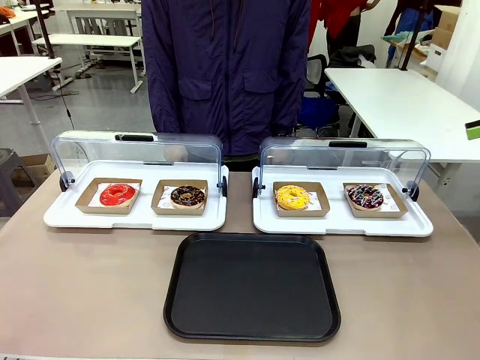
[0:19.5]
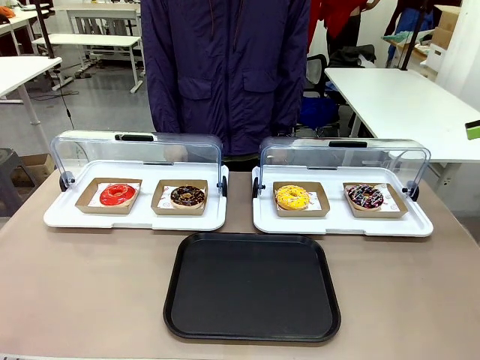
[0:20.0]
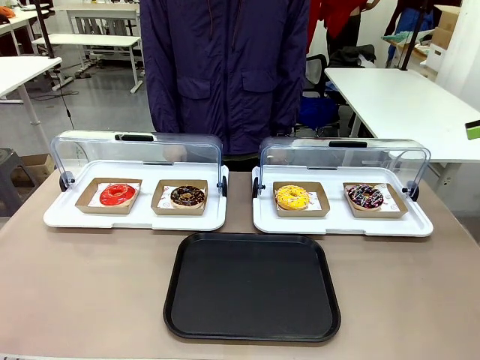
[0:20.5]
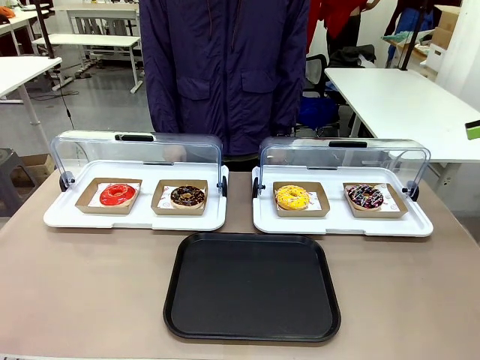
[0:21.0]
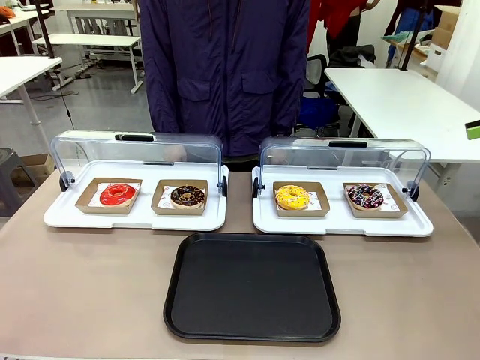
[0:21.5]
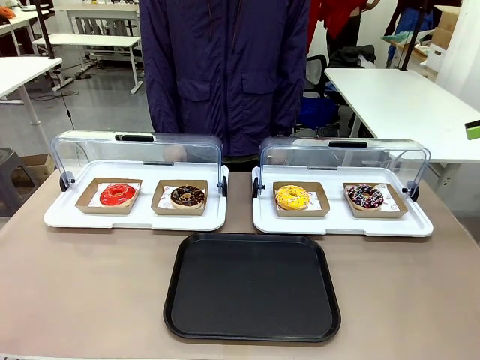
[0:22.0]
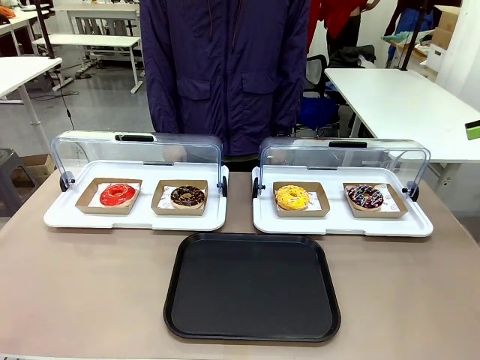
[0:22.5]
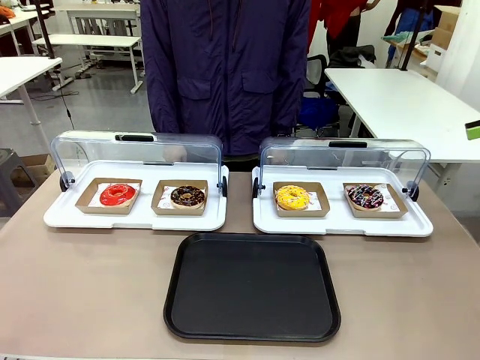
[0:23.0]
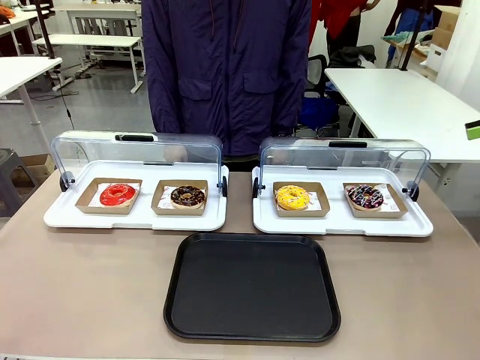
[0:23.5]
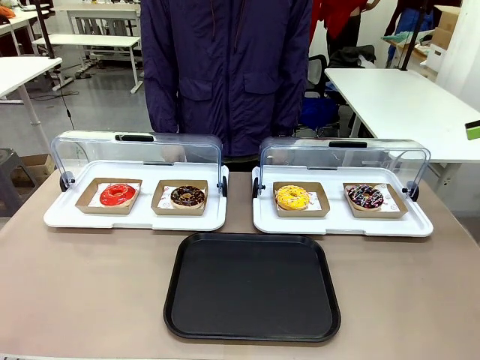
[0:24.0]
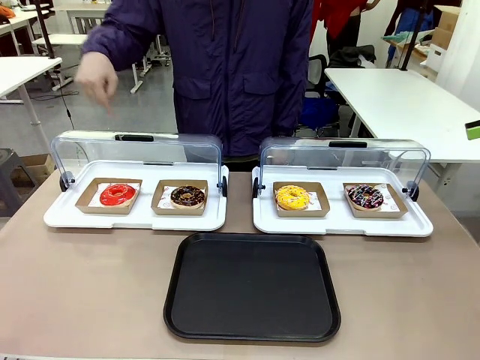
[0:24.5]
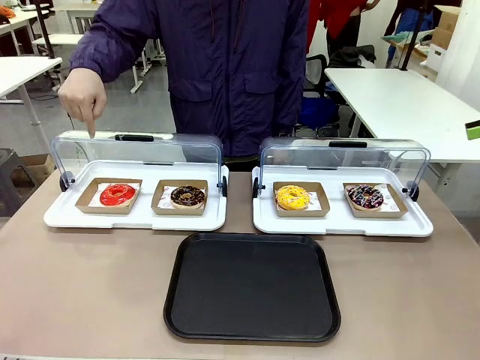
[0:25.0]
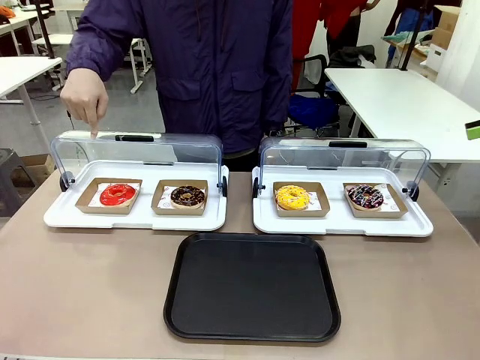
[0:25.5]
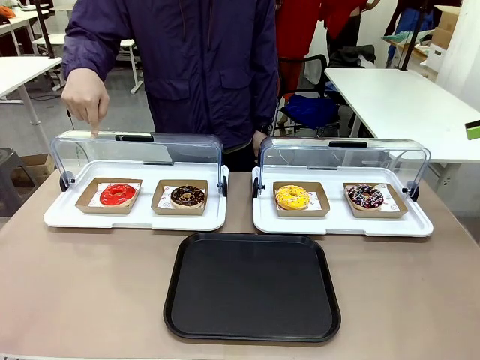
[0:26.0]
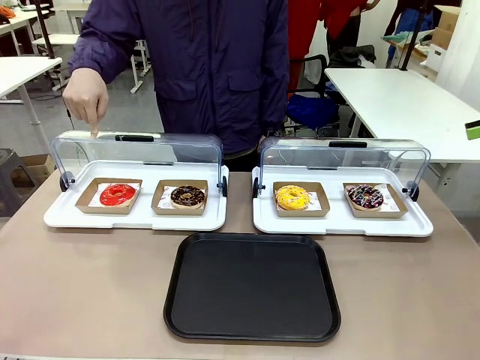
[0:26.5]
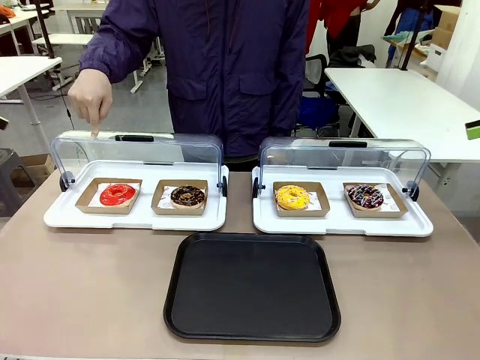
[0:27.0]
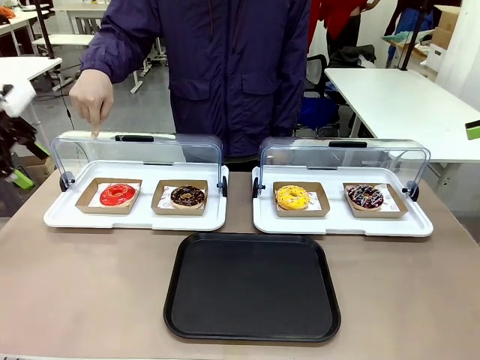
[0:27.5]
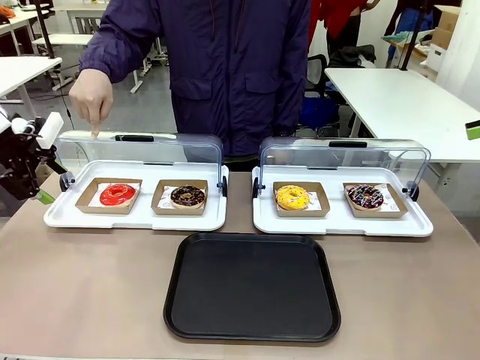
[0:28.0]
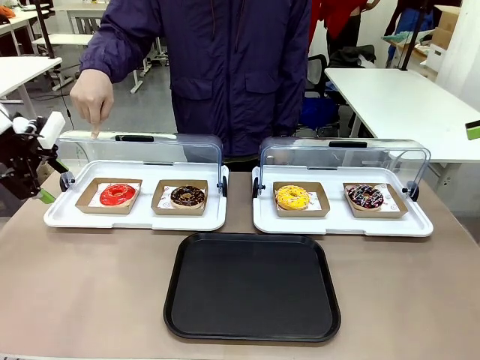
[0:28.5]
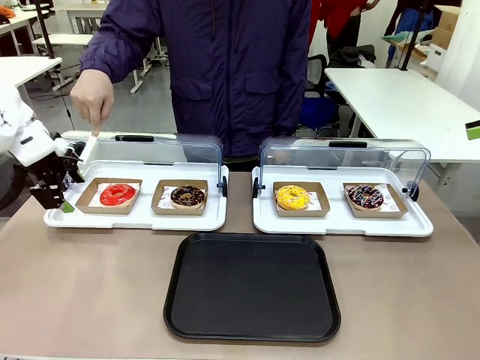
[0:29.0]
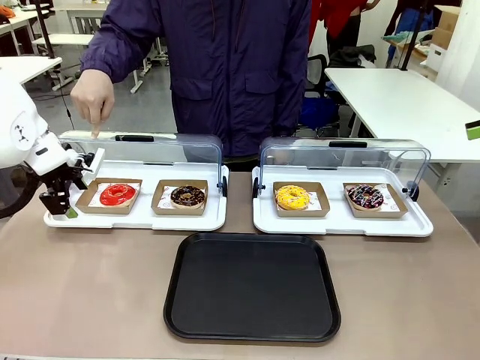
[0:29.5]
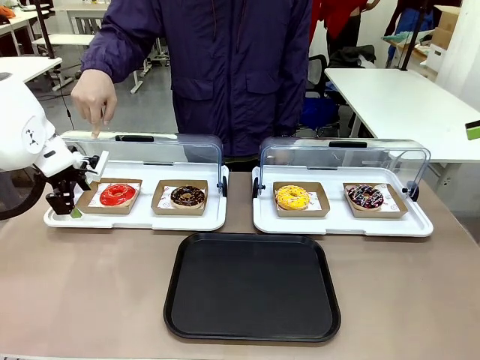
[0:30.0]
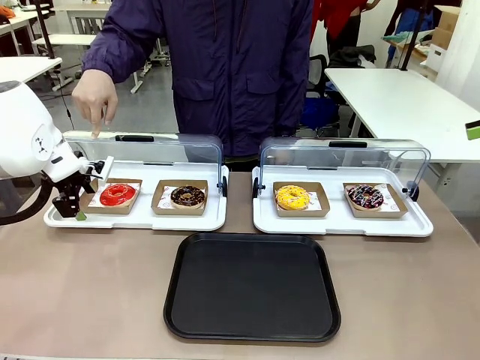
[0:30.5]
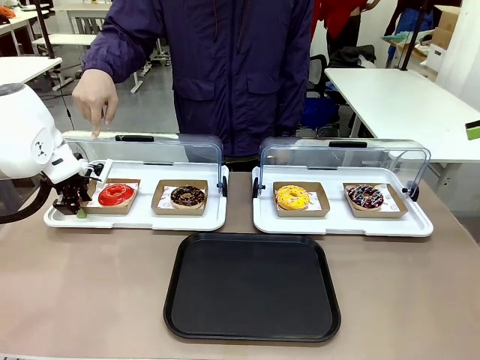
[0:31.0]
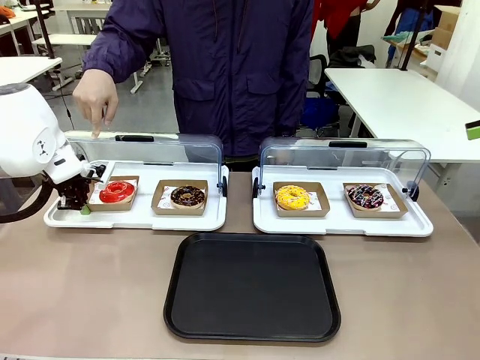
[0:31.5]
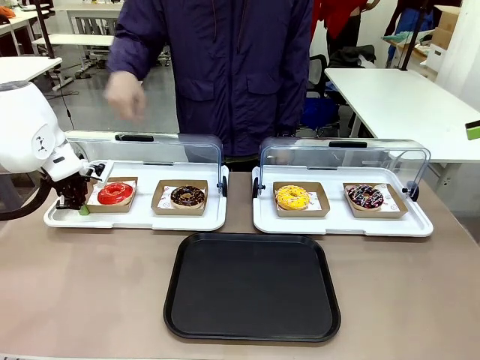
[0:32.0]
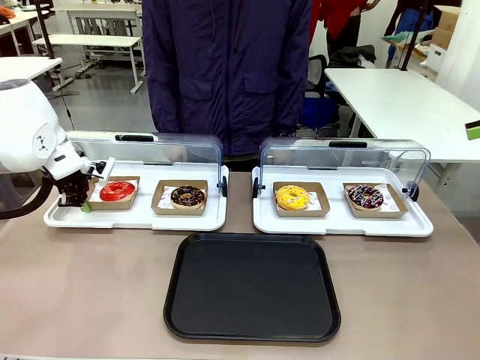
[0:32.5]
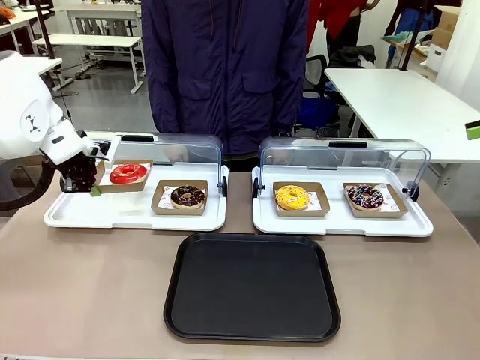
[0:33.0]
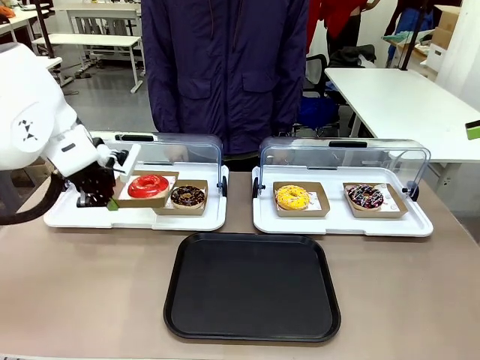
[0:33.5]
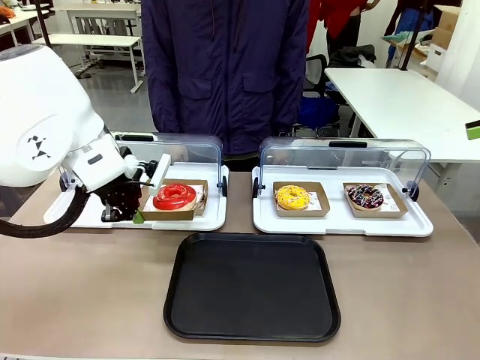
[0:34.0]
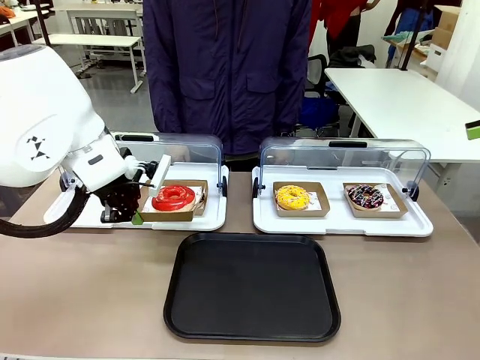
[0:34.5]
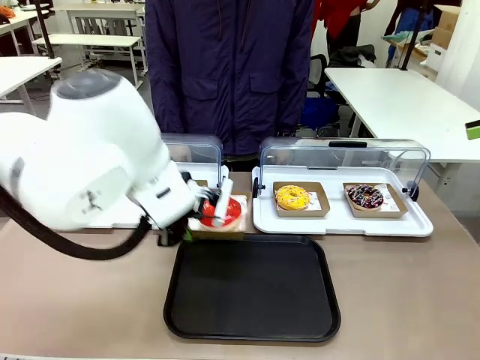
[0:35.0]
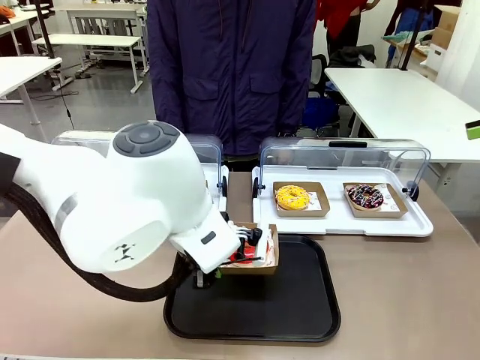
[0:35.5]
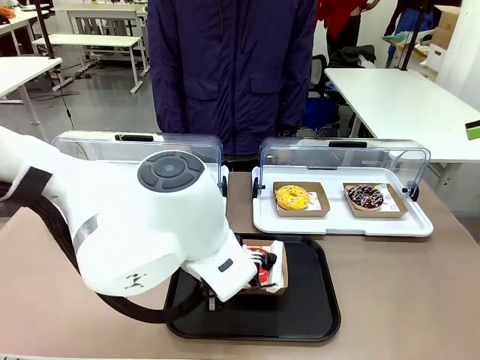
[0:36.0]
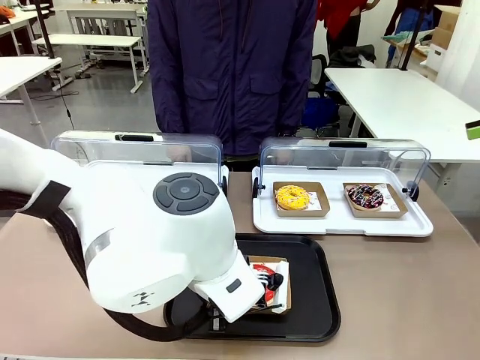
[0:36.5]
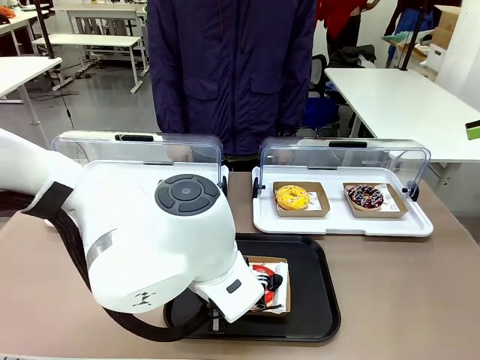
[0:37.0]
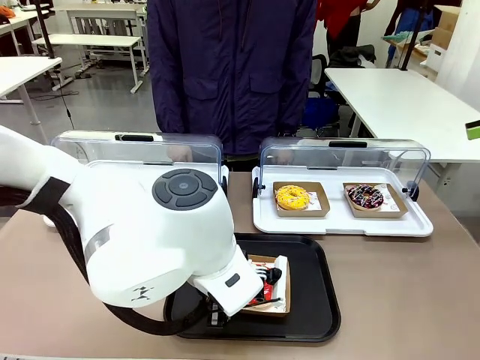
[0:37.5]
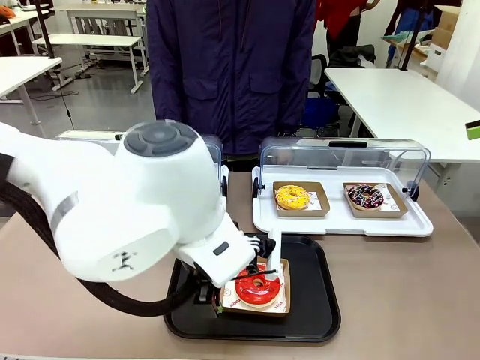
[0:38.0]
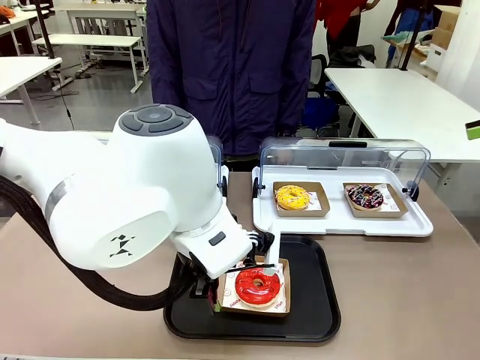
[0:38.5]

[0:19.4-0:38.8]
Task: Move the first donut from the left to the tray.
Robot: Pick up the Paper togo box containing the Donut indicated by the person and place it on the Handle tray.
